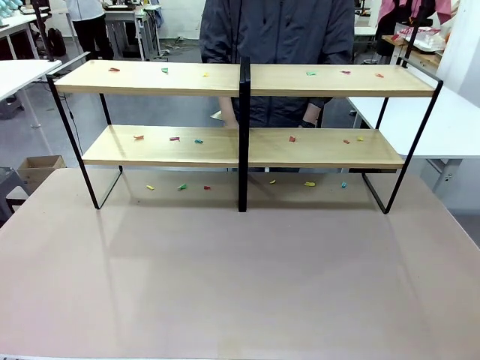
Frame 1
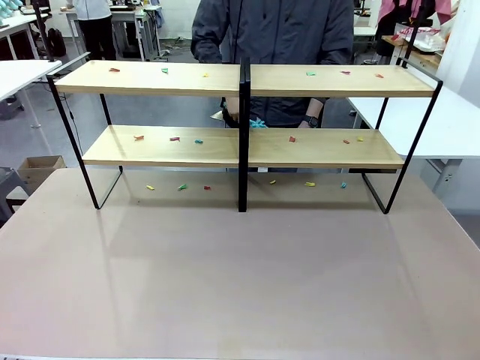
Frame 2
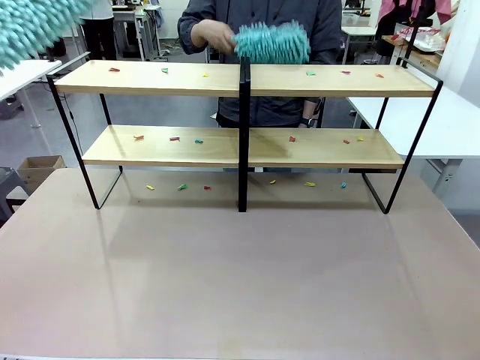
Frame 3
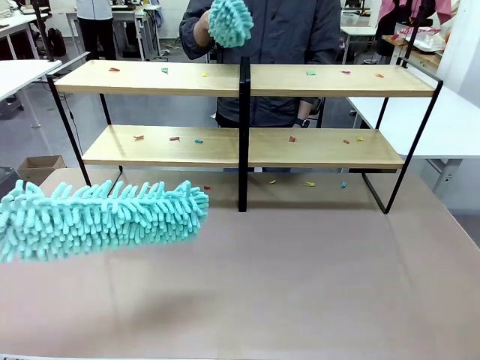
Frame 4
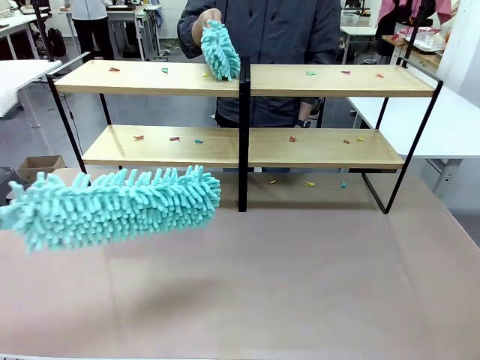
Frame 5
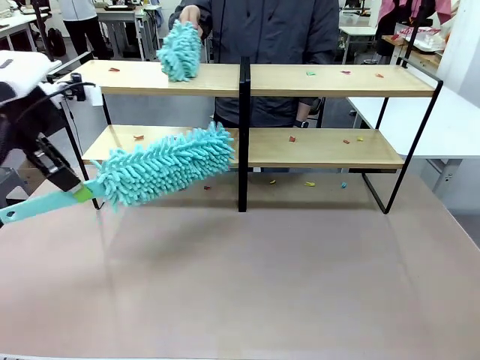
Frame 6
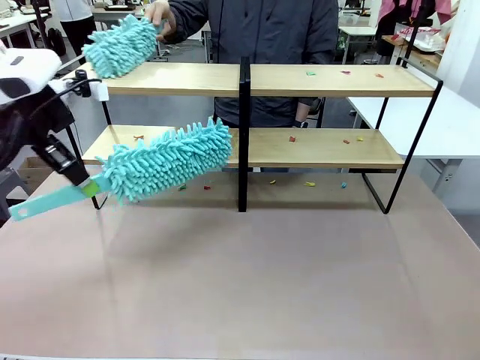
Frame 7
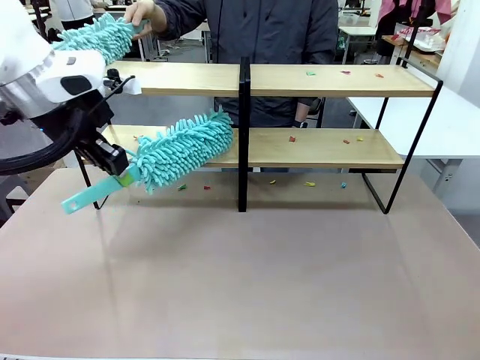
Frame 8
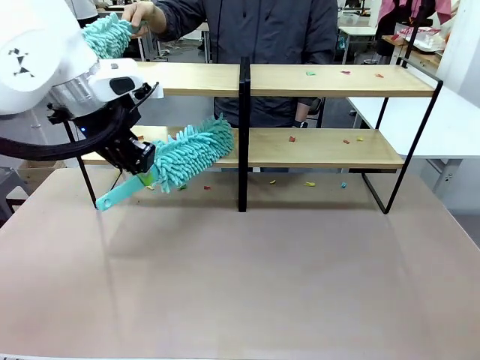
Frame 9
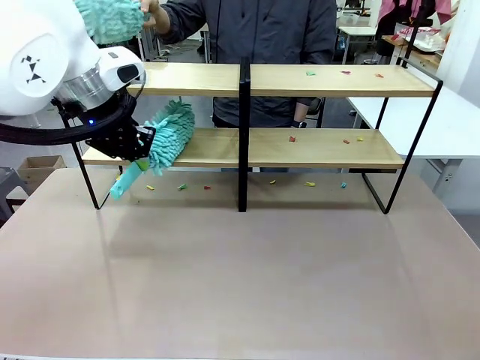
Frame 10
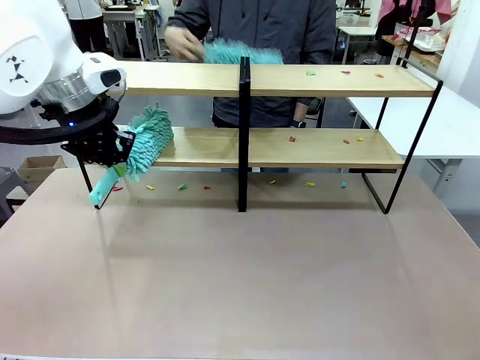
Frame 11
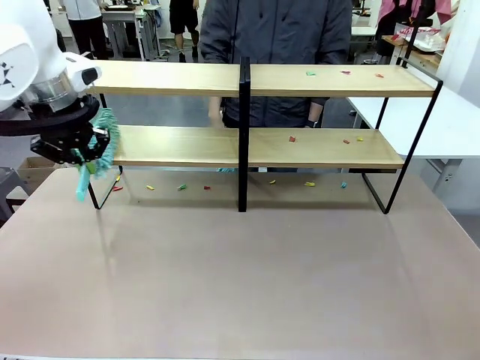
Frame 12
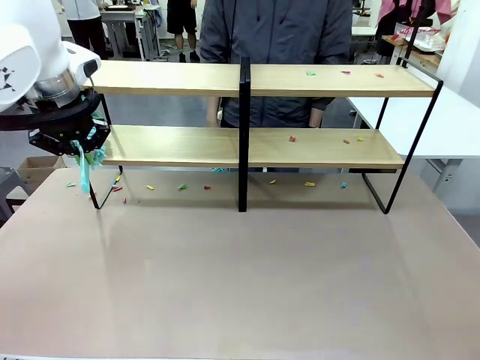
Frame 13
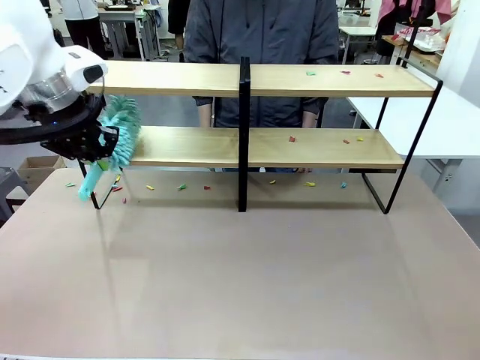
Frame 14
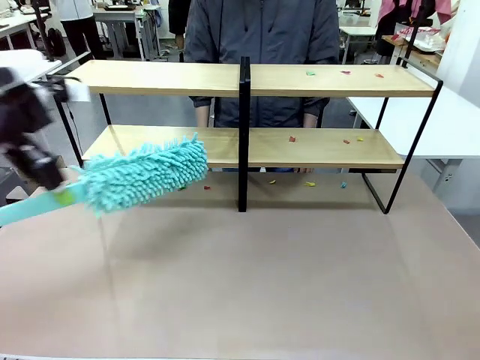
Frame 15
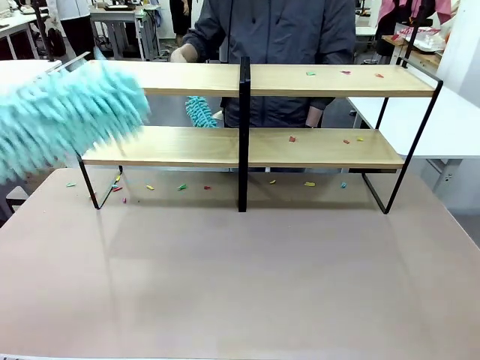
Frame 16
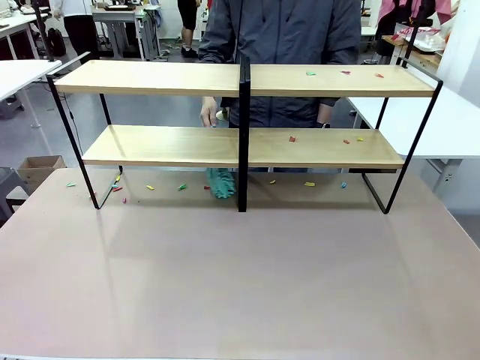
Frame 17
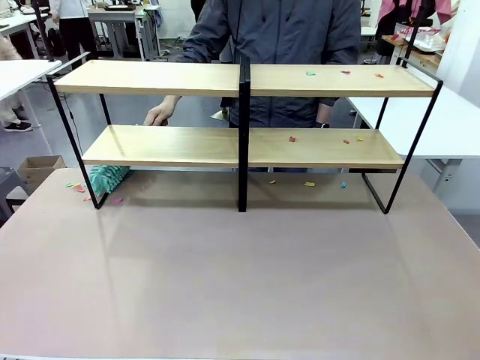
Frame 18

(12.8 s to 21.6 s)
Task: Clean the shelves.
Robot: Clean a randomly selected level of the Shelf with the Duster.

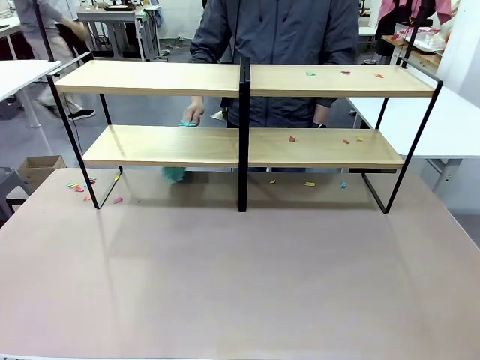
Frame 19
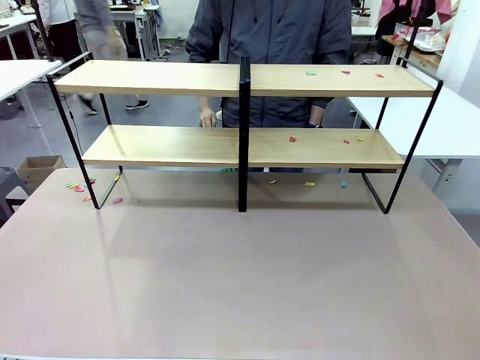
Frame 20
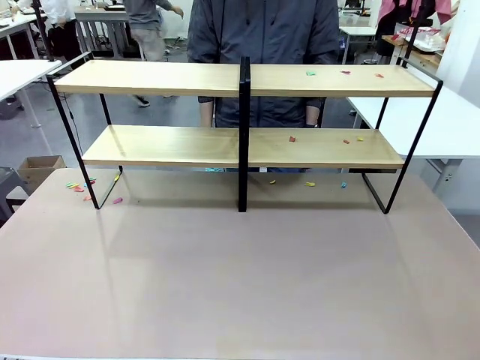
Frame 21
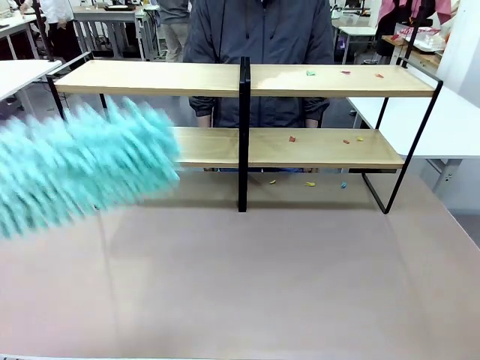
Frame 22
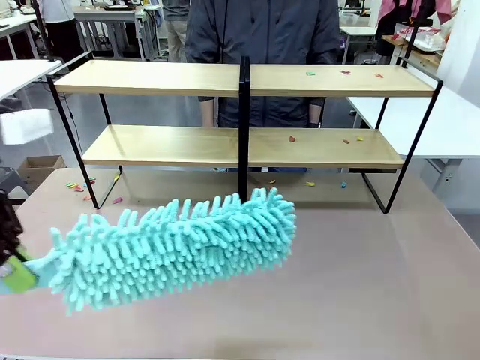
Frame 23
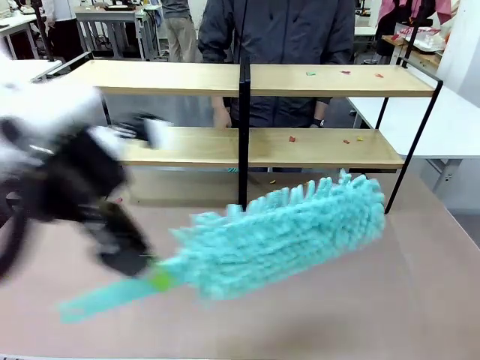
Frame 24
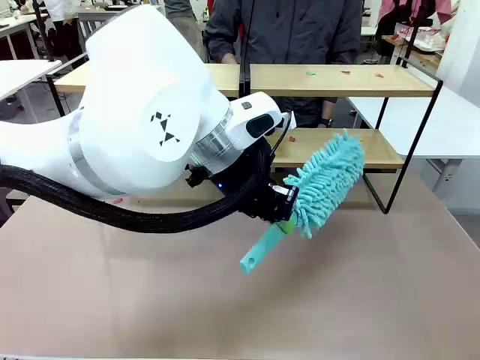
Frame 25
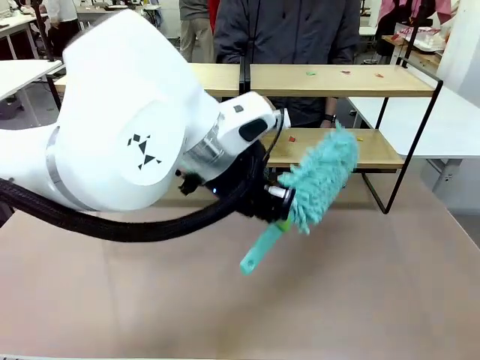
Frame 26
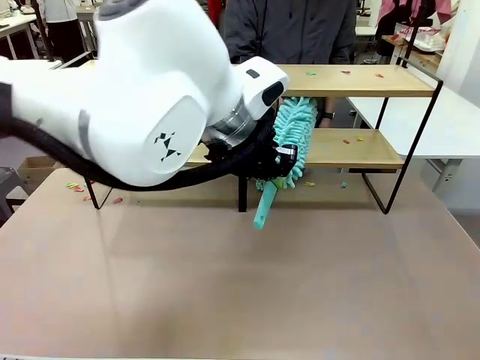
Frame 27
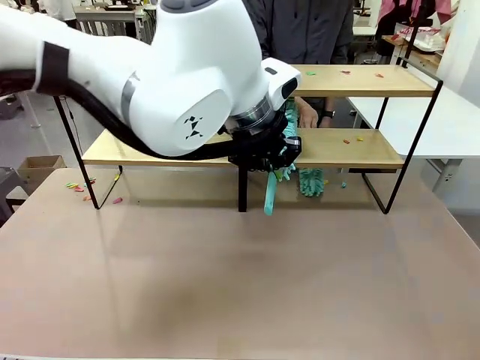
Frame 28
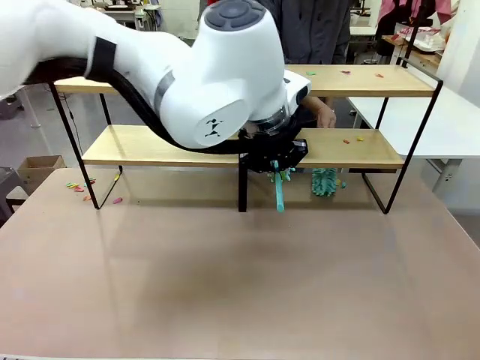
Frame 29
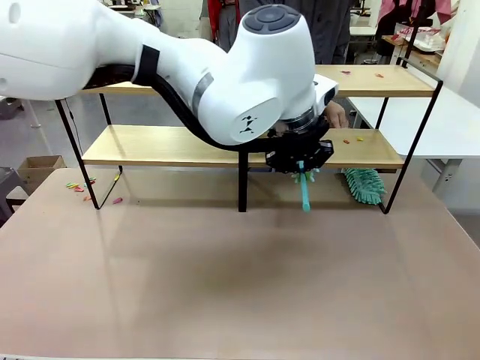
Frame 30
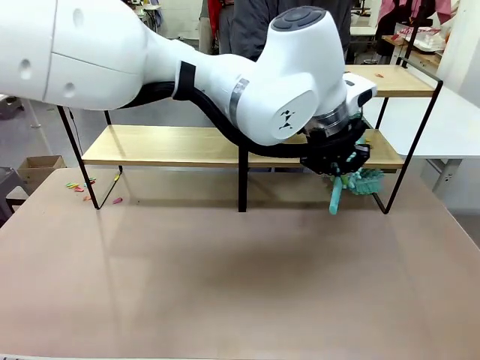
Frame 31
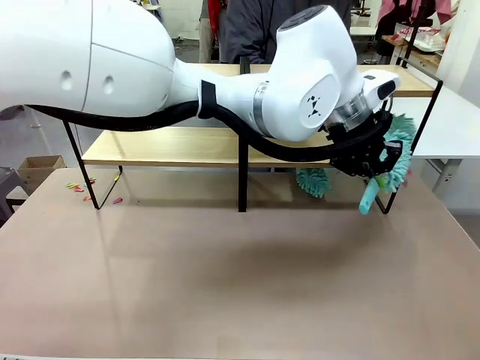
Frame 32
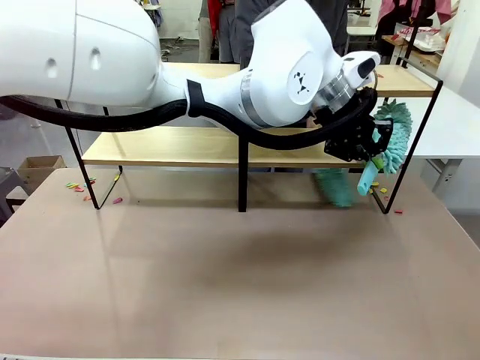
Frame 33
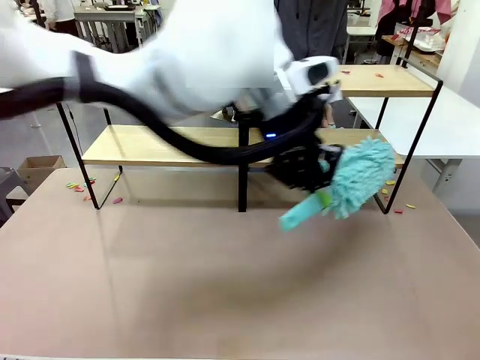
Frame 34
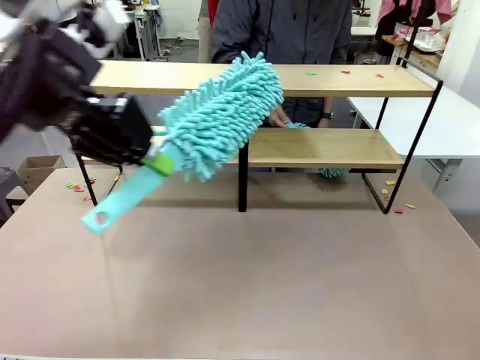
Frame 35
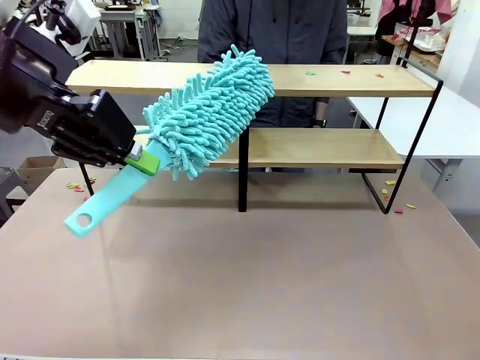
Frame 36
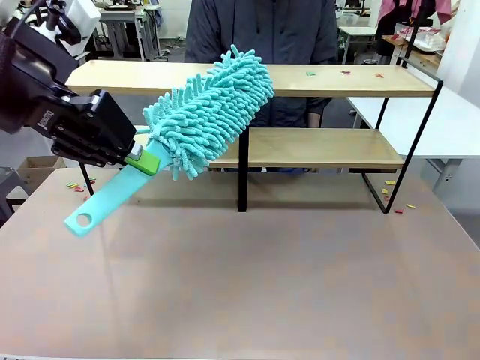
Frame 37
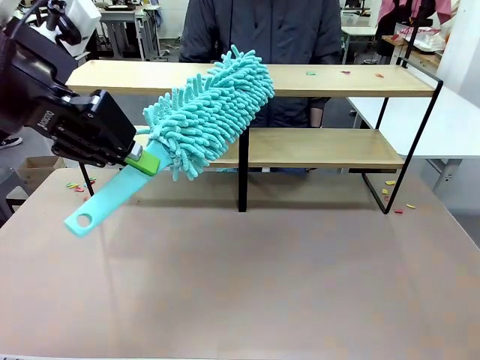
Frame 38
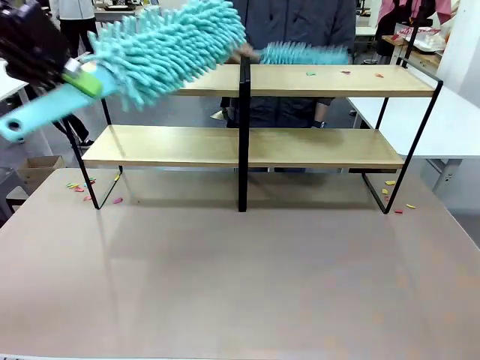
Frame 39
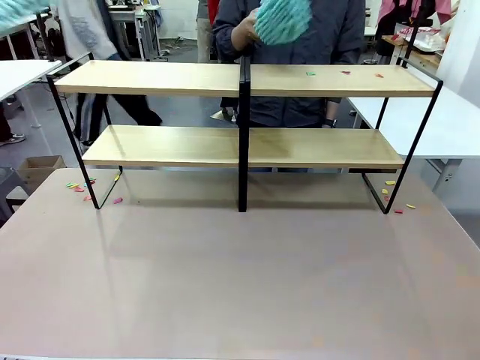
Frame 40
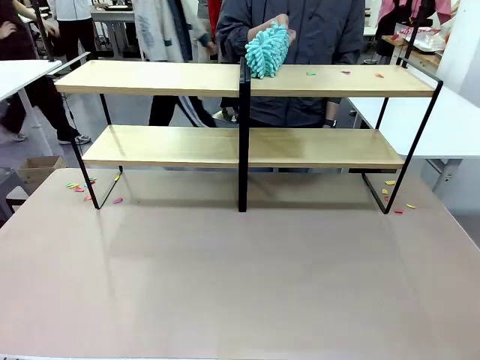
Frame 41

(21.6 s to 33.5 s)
Robot: Clean another randomly selected level of the Shelf with the Duster.

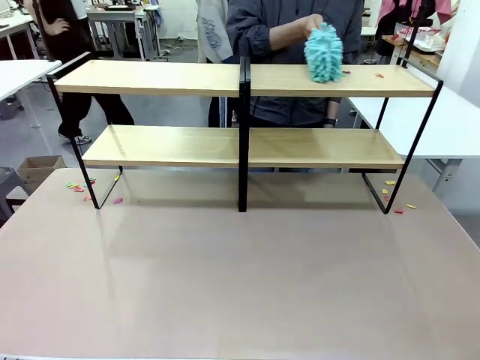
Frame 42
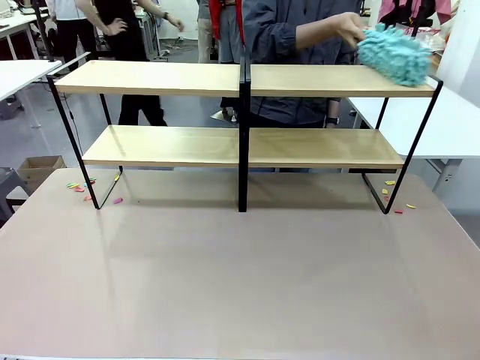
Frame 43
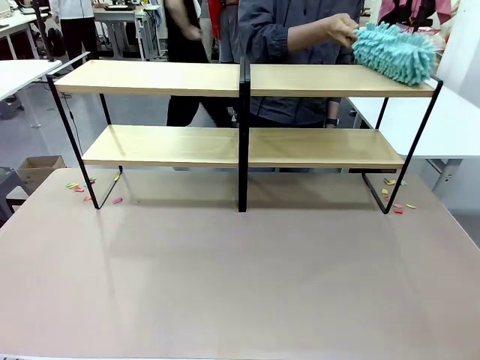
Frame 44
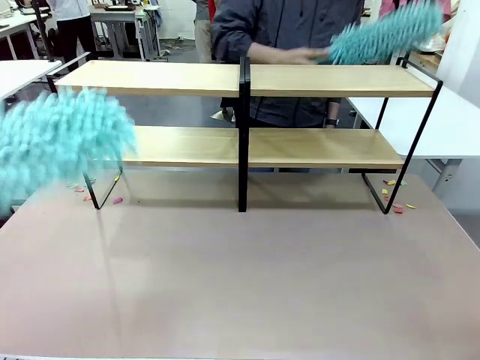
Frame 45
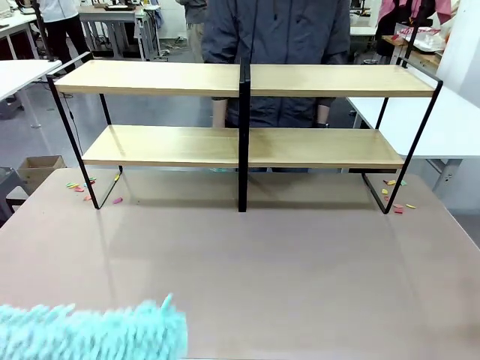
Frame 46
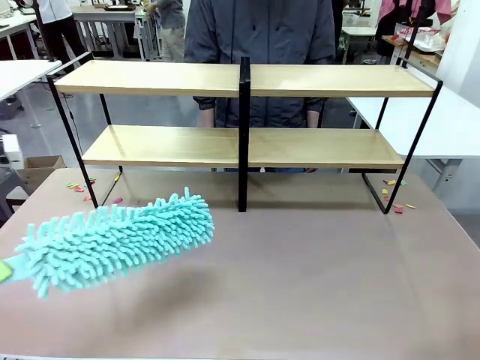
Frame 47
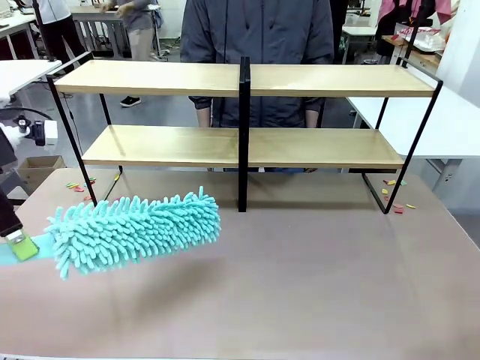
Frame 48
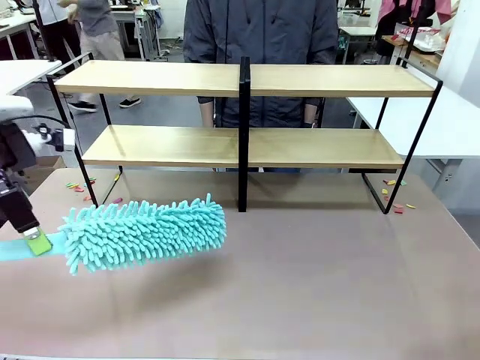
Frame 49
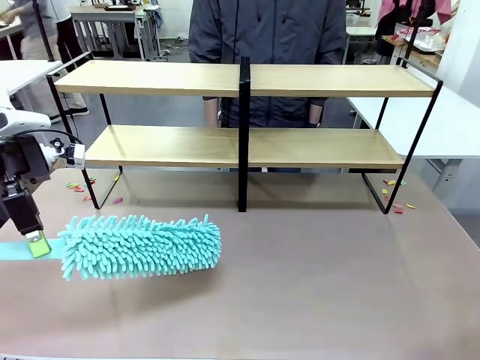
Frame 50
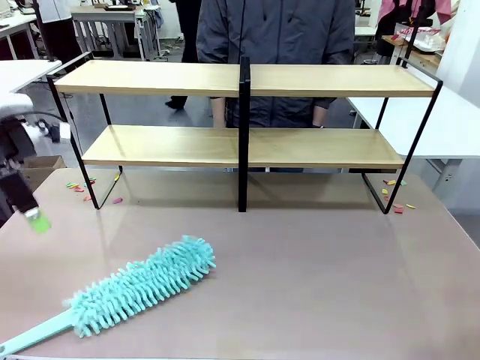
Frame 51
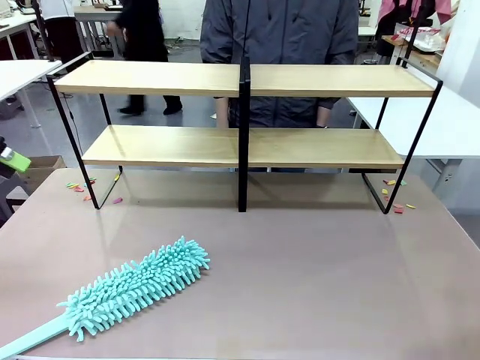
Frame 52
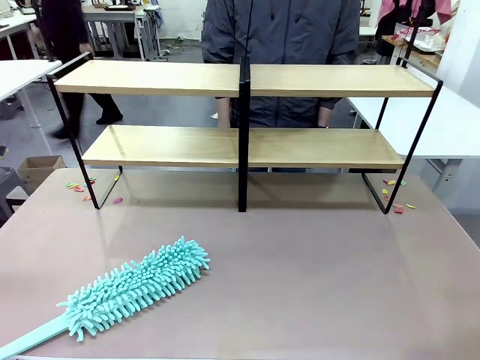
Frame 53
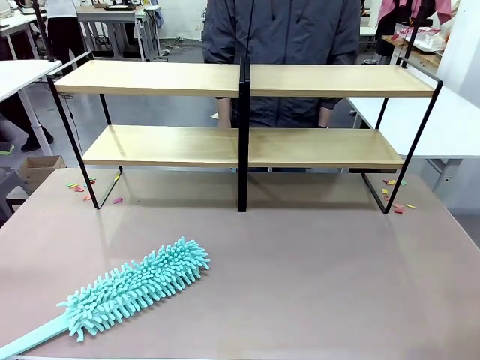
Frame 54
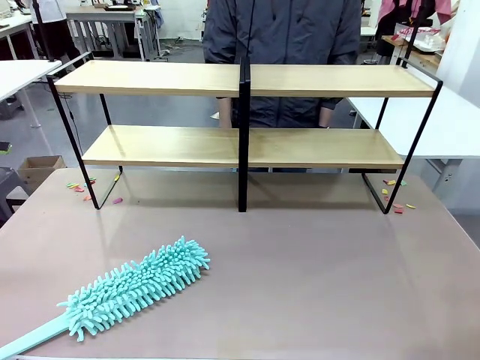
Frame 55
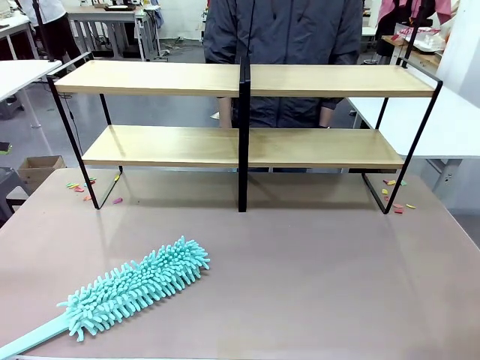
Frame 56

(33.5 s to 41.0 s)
Robot: Place the Duster on the table.
